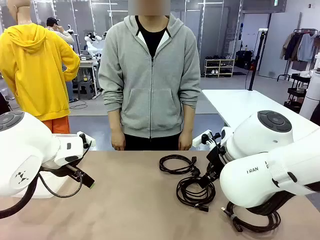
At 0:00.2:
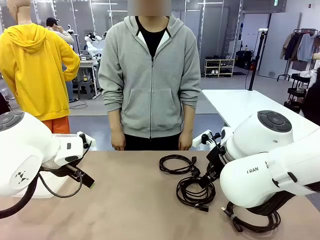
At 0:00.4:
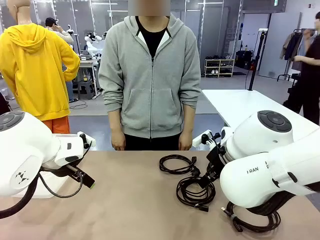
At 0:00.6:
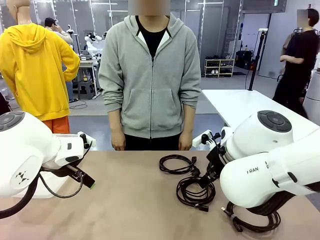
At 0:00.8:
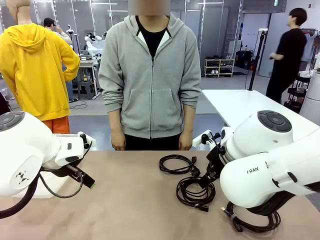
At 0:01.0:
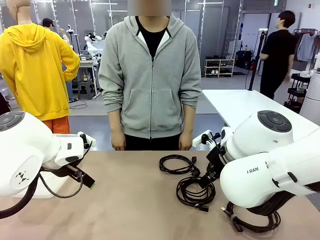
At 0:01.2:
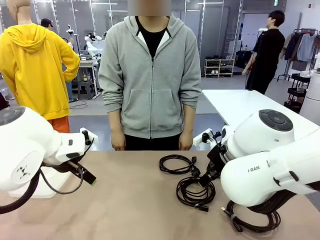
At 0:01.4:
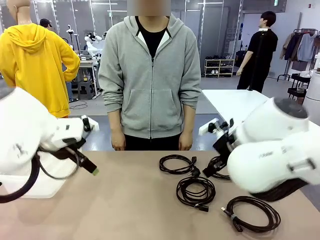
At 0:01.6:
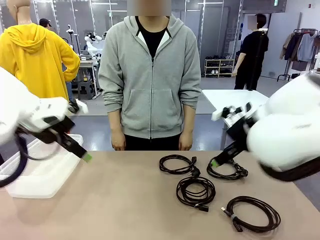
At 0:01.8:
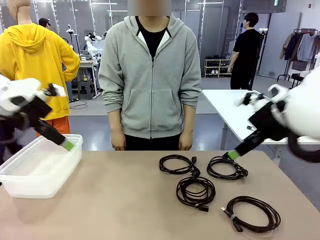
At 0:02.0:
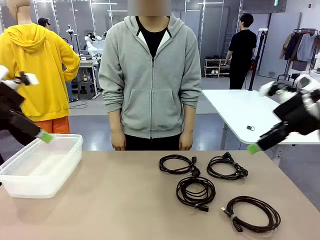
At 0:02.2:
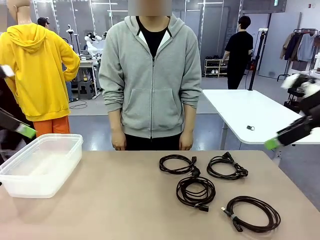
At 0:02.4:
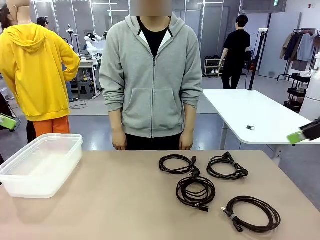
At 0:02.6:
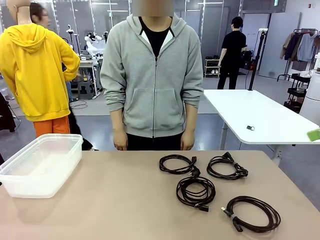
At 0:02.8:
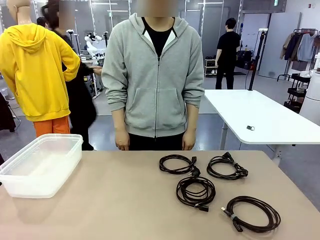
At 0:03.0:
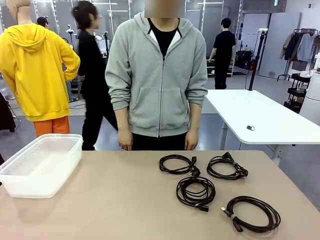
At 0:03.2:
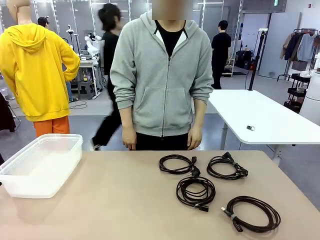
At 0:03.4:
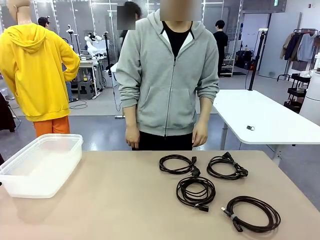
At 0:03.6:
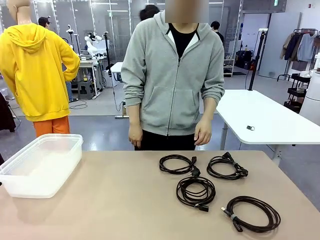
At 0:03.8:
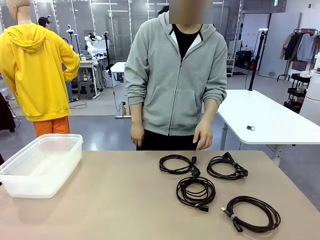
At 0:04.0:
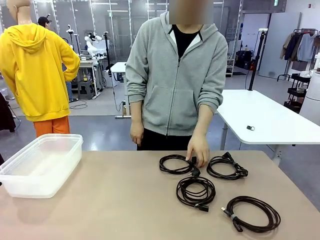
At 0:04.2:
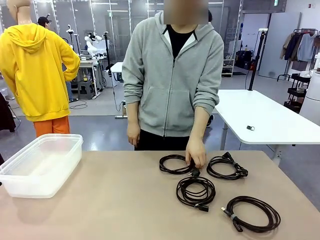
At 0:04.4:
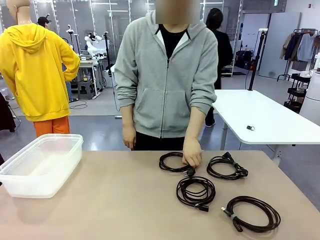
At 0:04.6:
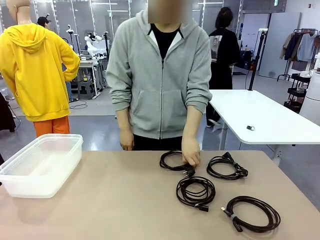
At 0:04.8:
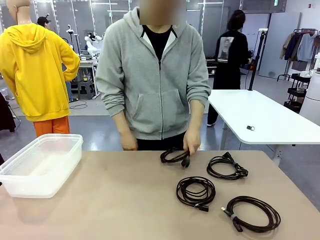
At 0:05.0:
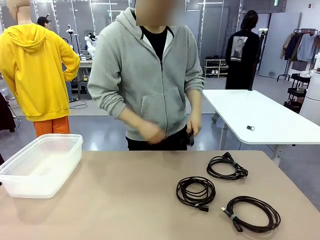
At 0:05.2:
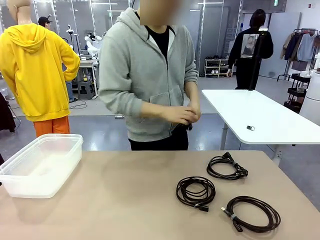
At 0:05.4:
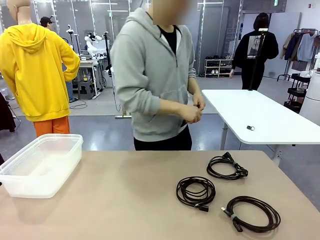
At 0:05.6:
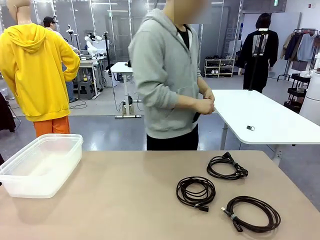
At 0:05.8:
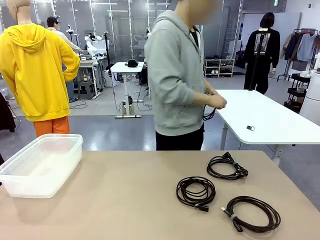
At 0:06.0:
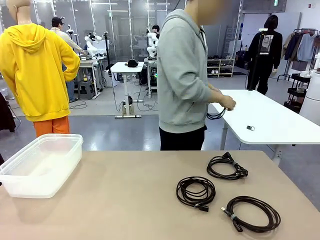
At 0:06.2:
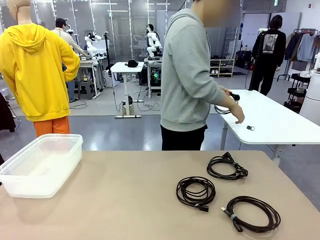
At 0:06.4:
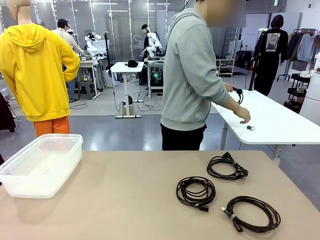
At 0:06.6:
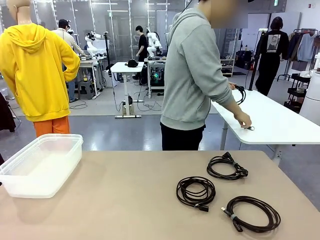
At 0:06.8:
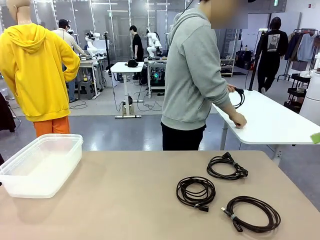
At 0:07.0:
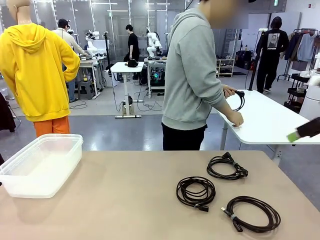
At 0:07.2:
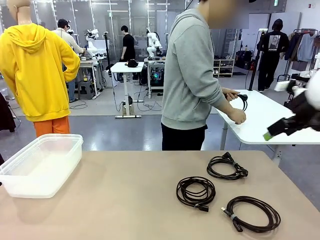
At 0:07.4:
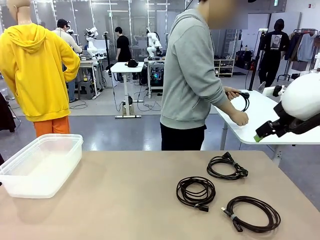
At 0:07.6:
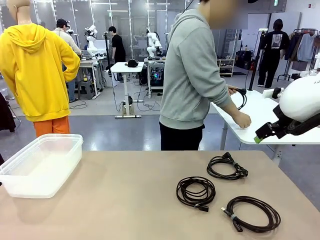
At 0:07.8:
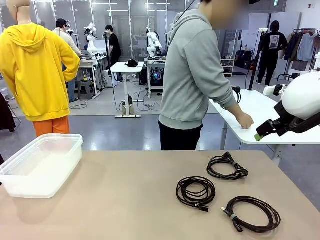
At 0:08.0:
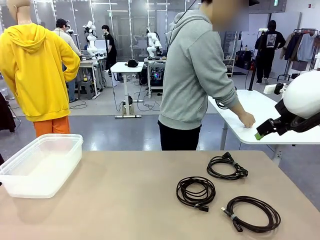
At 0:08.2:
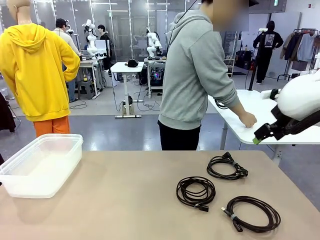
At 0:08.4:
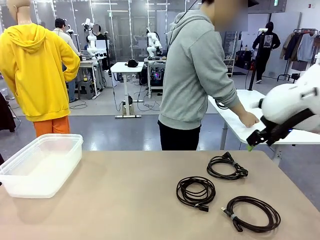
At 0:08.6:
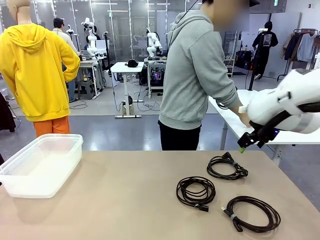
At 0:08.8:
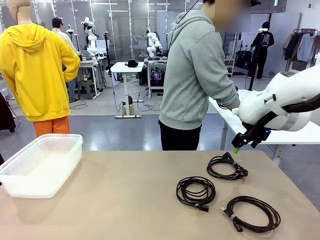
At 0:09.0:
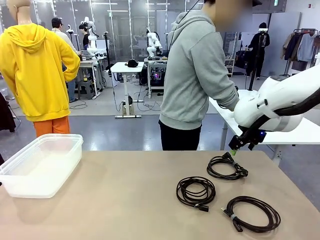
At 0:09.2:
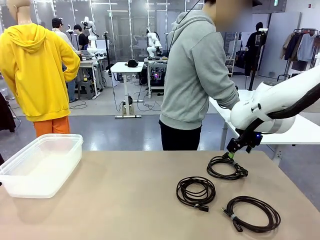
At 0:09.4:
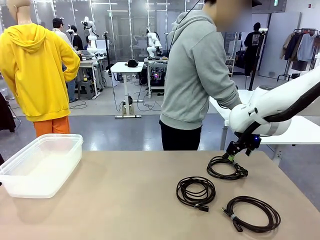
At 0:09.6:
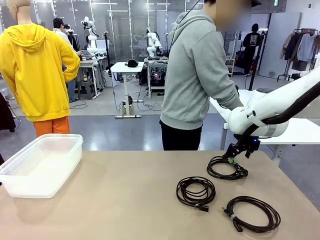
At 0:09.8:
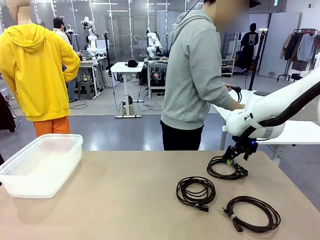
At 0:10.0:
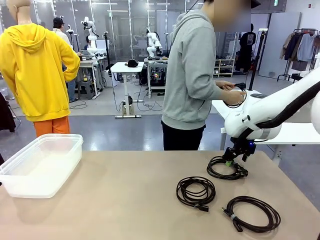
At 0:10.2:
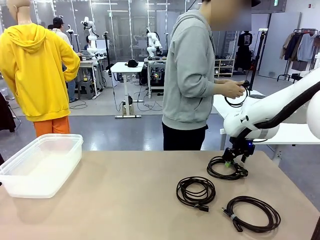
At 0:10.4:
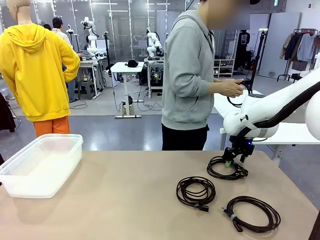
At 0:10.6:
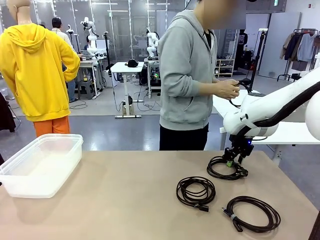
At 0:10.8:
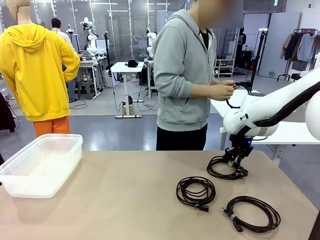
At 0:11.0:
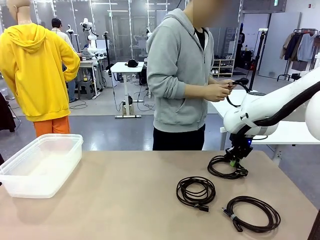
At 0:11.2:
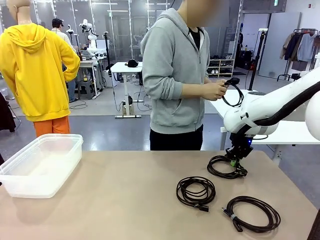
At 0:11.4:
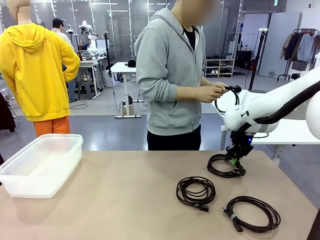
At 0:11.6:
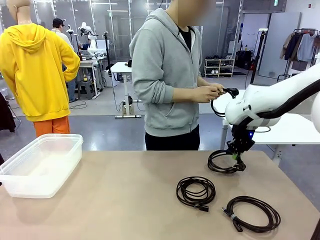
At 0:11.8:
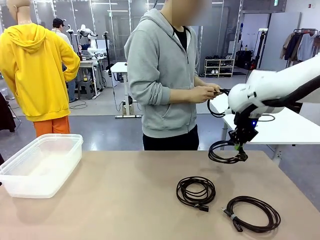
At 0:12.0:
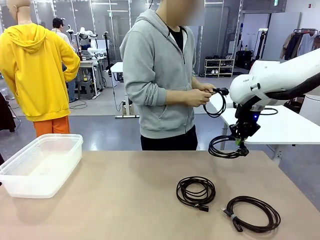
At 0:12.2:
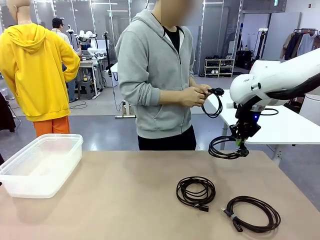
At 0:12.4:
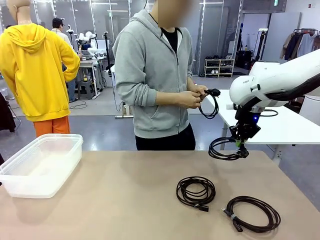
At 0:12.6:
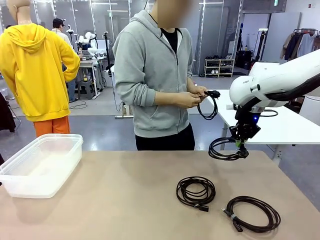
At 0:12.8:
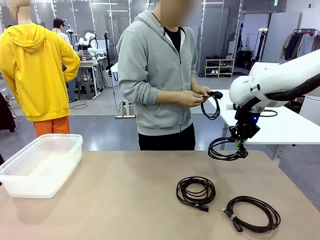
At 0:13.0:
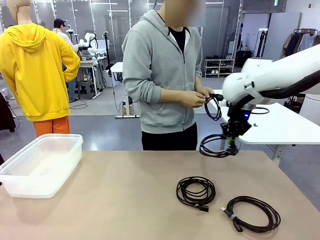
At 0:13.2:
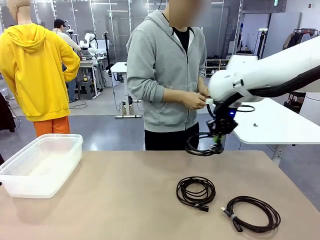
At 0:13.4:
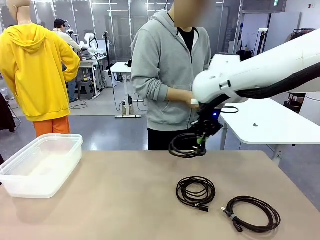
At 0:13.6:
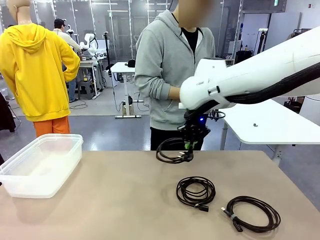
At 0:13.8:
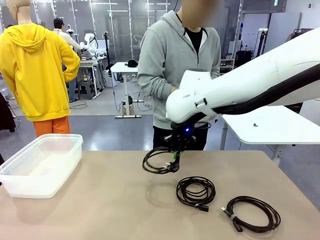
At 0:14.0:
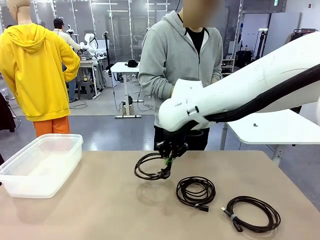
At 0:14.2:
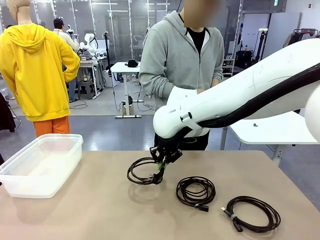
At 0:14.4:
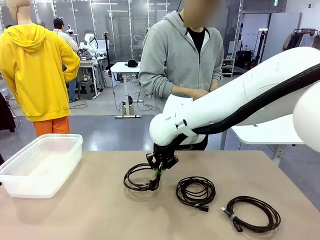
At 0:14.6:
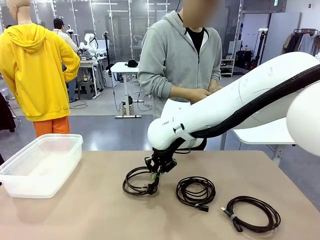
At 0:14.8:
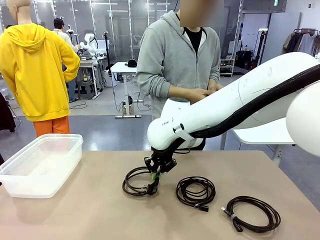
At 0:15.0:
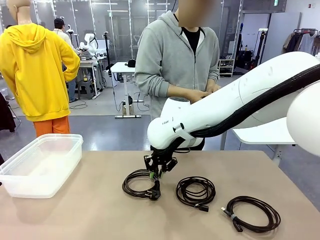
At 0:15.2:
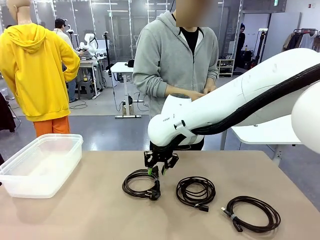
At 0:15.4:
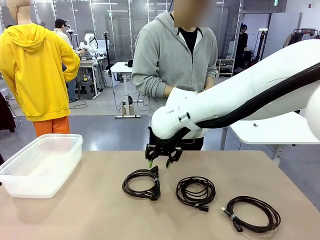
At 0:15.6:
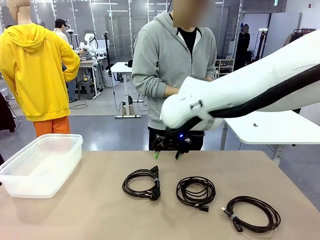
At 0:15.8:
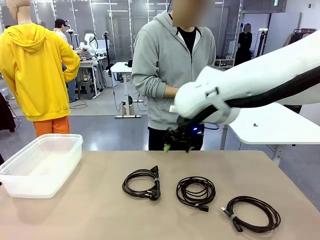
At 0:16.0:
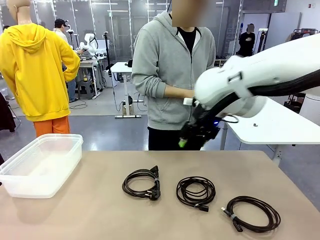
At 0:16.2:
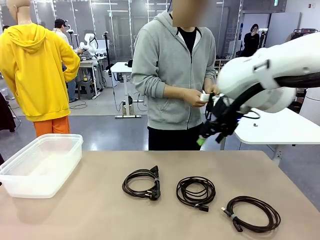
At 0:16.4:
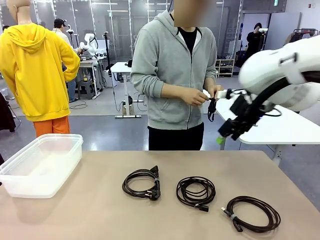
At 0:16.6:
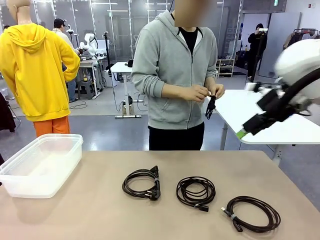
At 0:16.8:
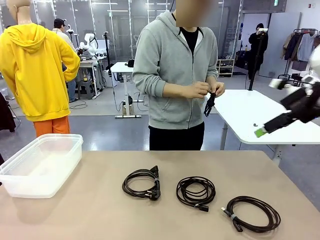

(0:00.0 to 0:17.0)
Task: Organize and store the cables.
Robot: Place the Power Cable into the Organizing box.
Person: Tie one Power Cable with a Reusable Cable Tie.
